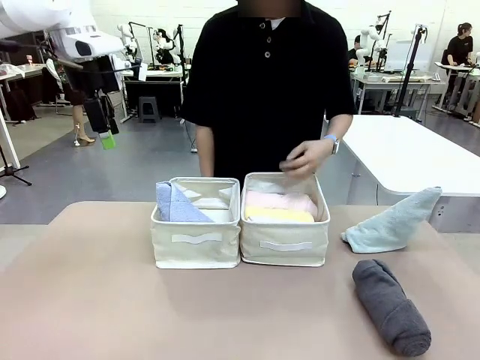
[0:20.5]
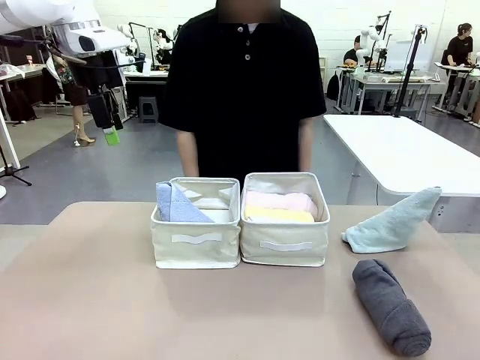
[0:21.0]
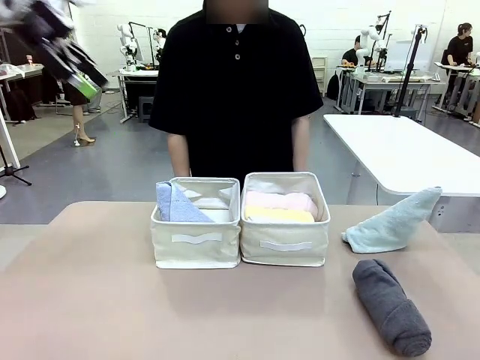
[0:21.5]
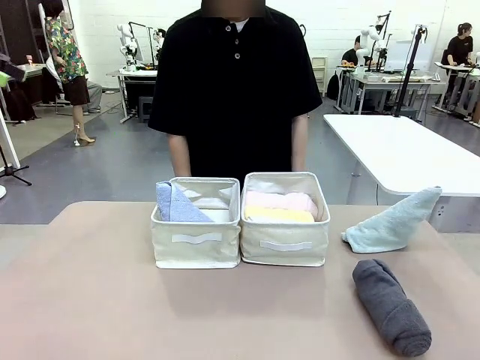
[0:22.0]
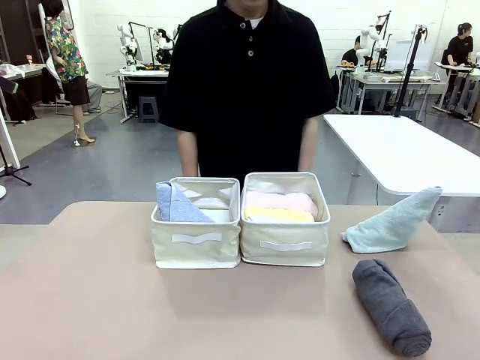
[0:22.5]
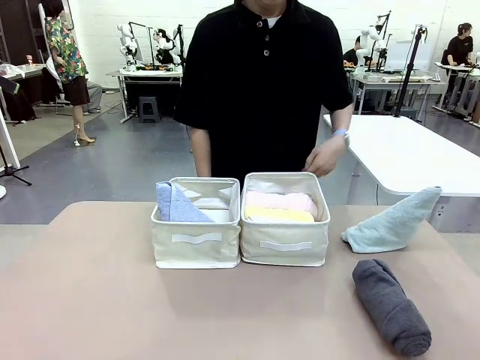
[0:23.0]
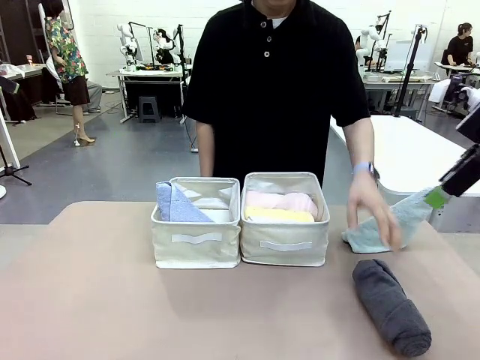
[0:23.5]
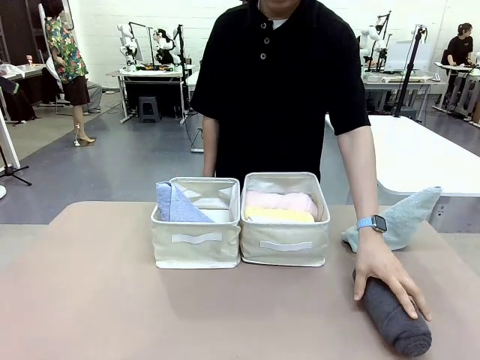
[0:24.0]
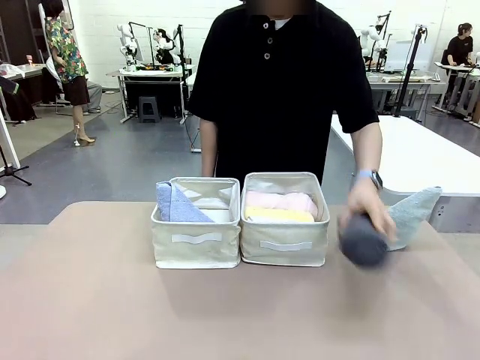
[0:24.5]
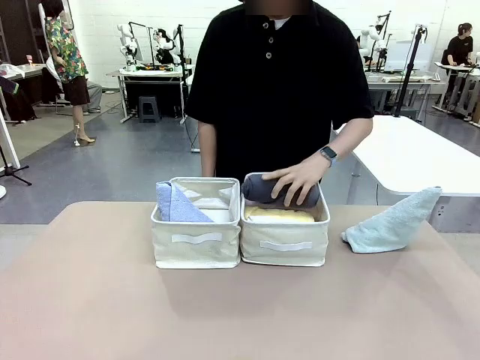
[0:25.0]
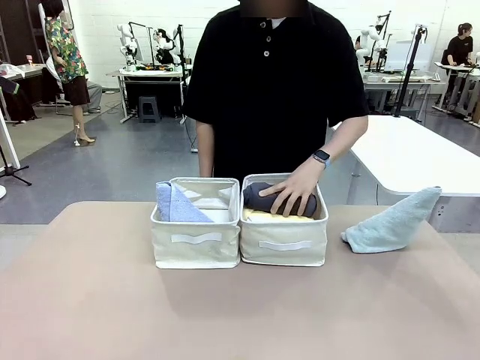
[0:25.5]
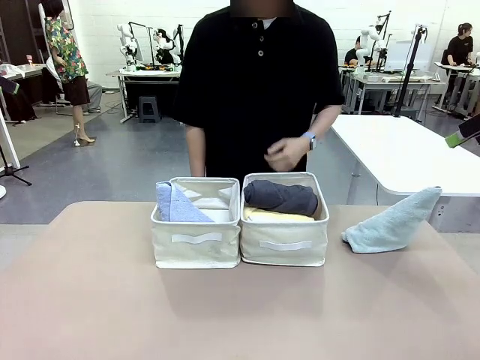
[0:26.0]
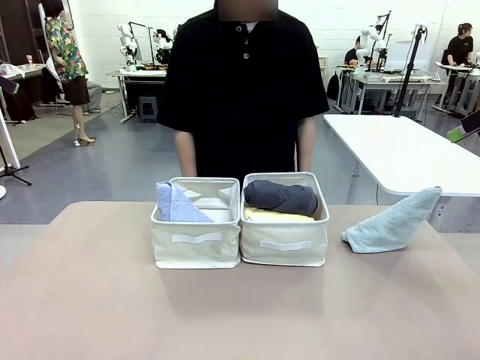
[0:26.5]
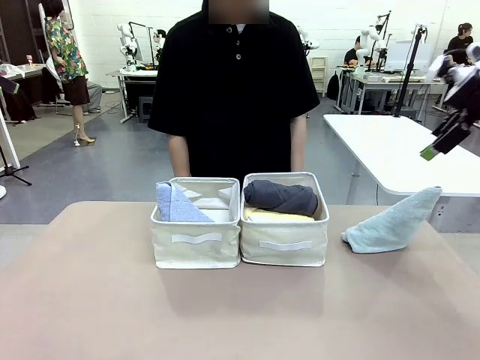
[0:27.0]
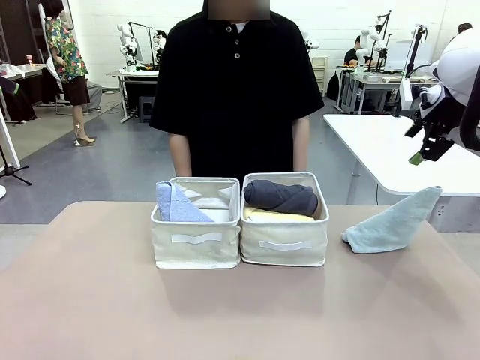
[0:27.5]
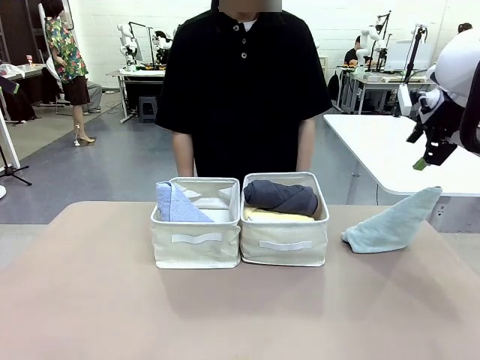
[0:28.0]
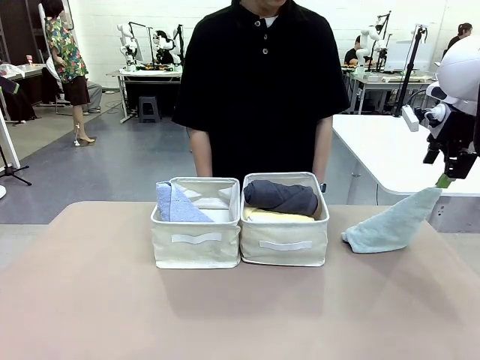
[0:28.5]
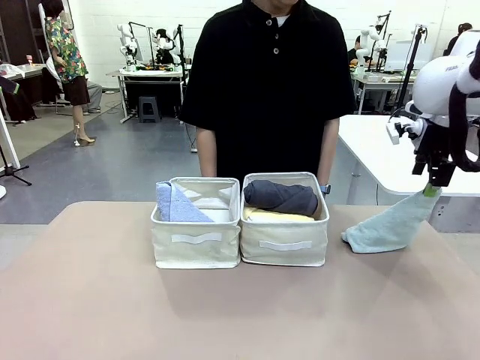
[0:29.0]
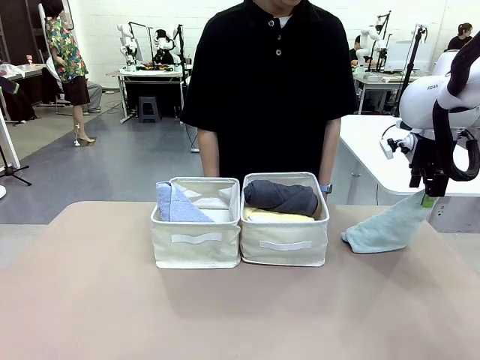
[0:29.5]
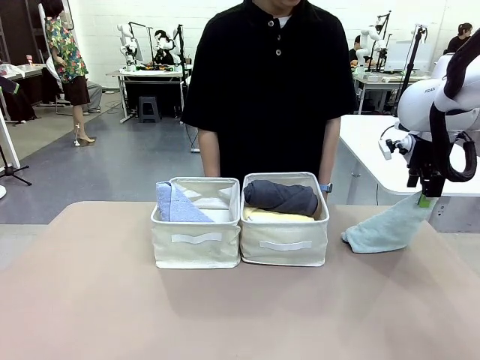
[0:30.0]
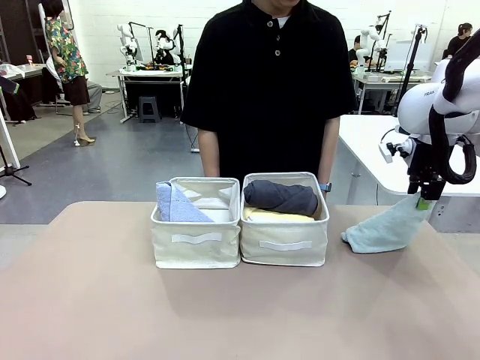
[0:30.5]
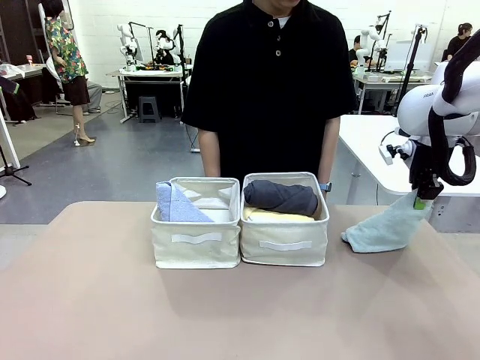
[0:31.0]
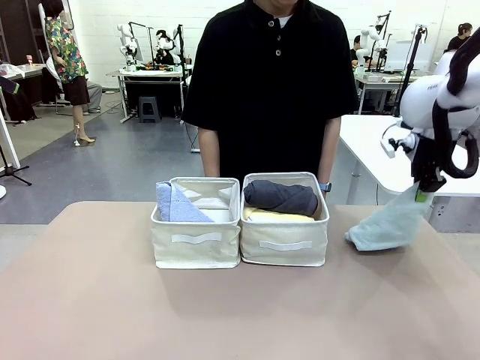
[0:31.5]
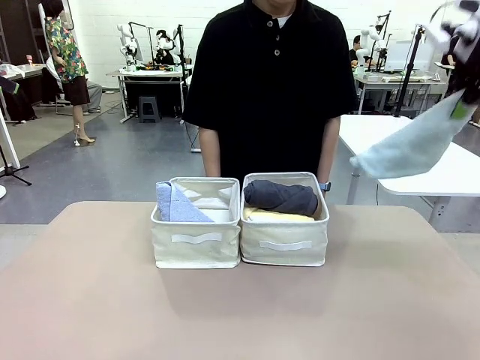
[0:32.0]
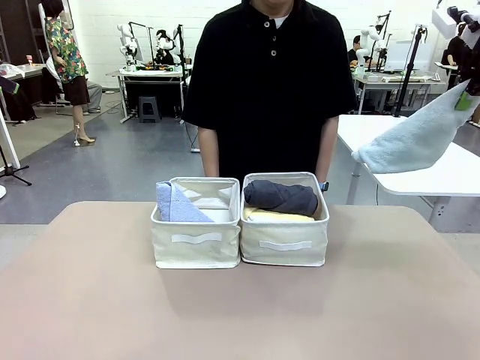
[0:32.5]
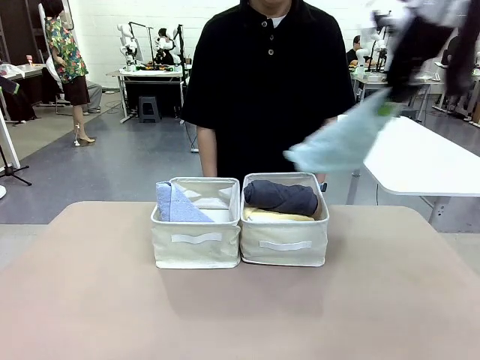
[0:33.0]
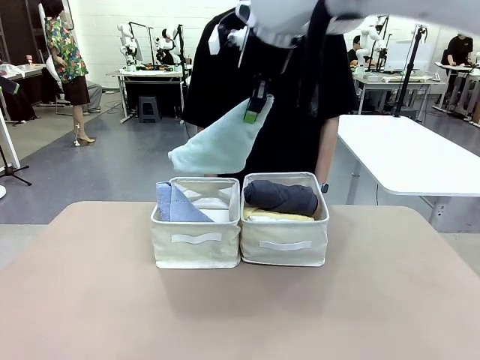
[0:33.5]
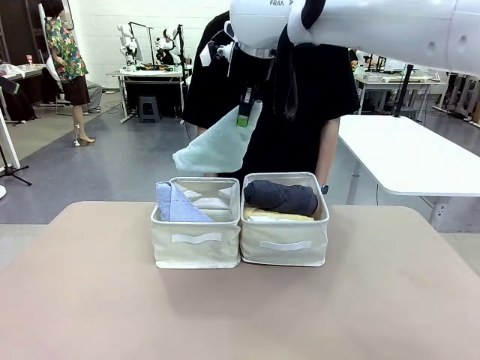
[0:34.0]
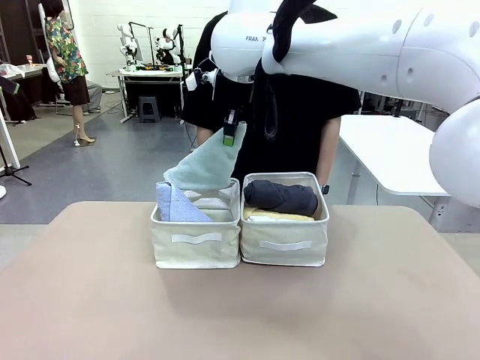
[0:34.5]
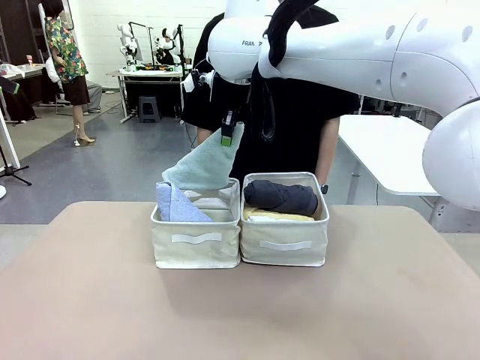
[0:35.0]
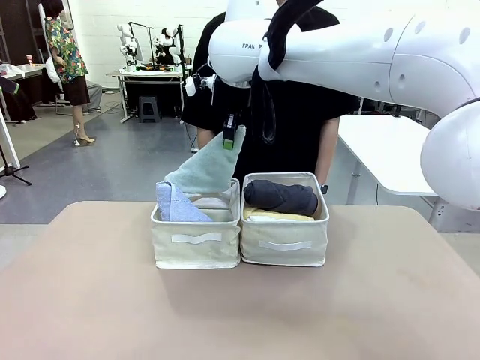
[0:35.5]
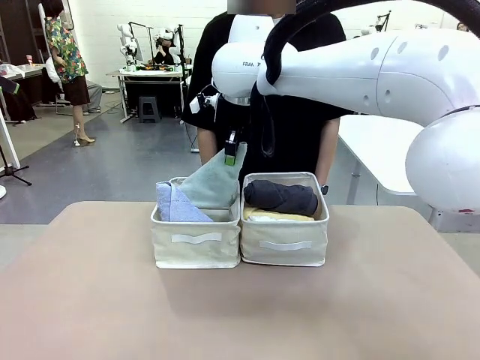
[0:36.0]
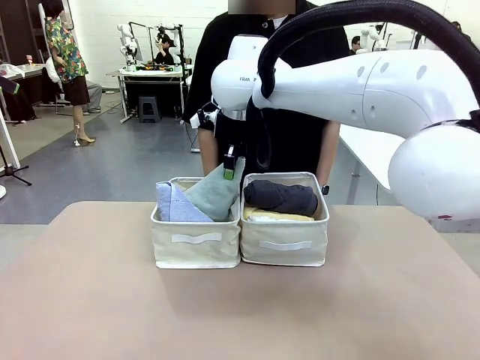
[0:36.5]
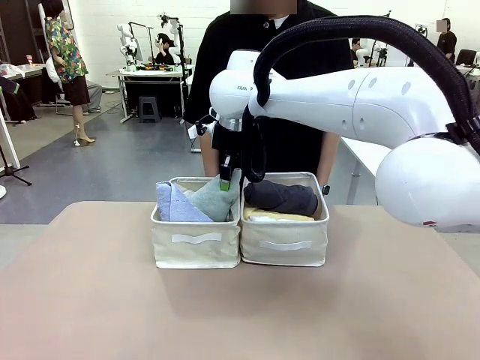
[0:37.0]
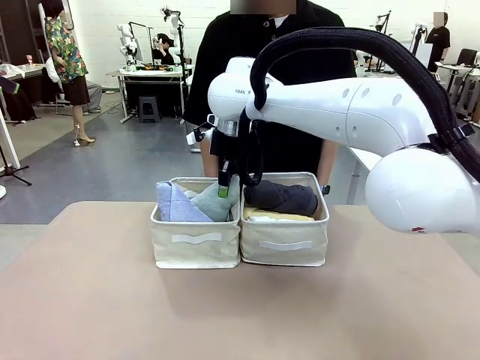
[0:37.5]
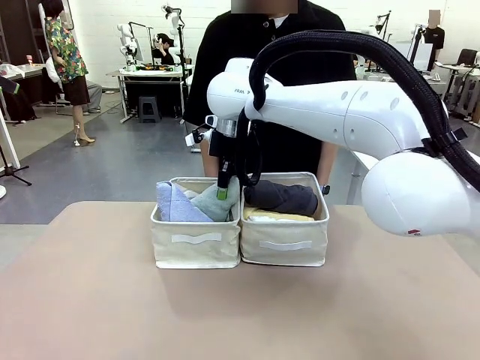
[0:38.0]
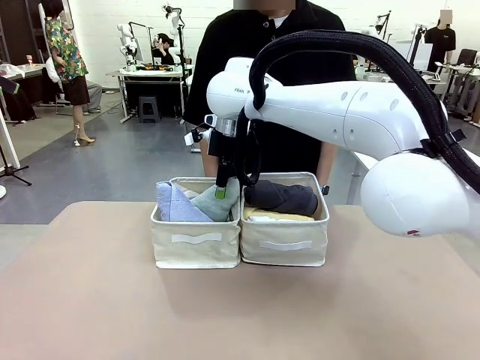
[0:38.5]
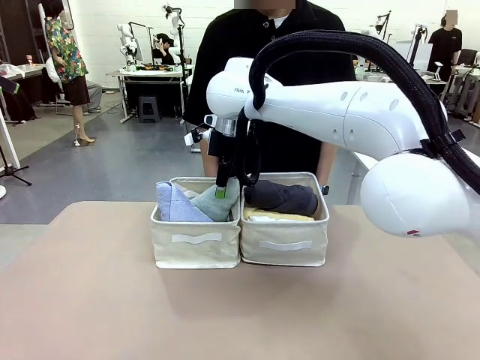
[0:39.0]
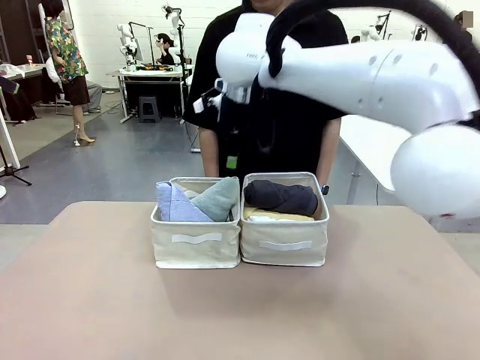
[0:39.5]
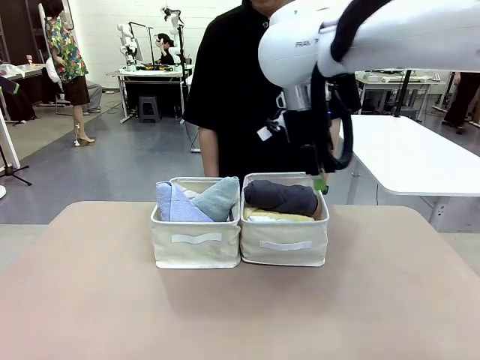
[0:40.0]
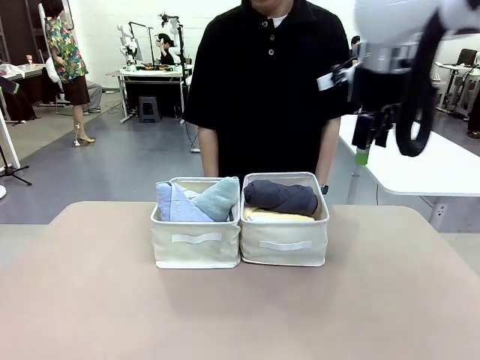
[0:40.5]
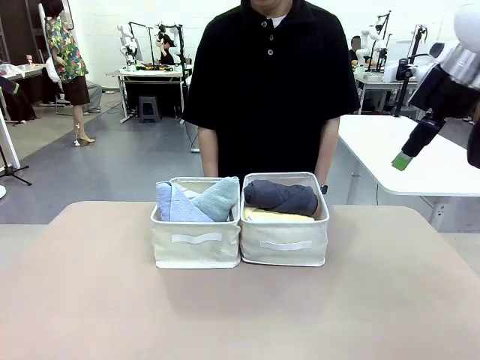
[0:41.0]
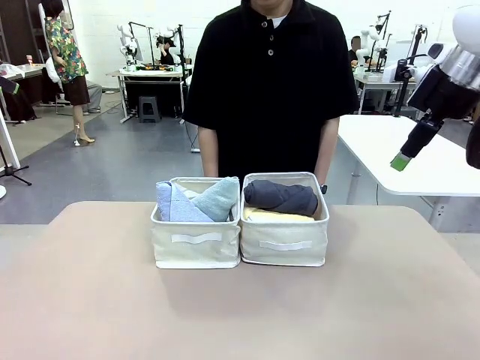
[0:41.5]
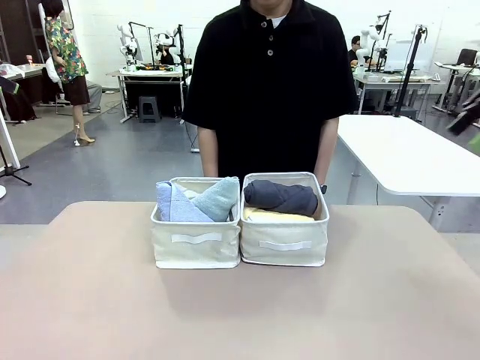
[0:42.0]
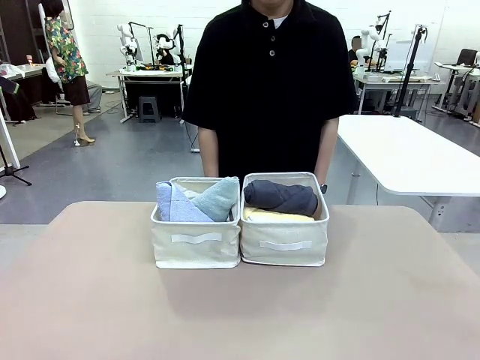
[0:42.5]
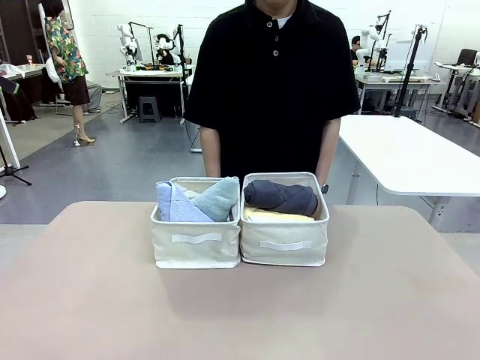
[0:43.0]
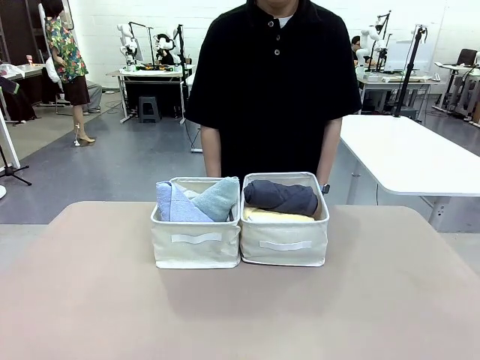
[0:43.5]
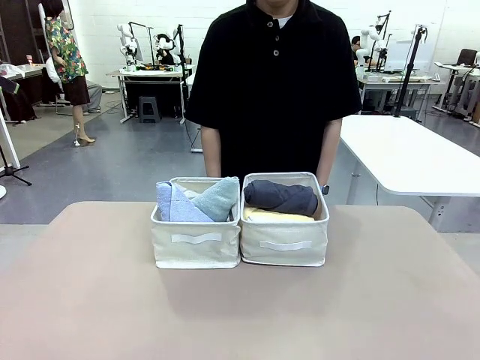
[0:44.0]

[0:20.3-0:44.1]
Task: Sort the towels based on their folding style.
Robot: Pick up another triangle-folded towel from the table and place it in the left Fabric basket.
Person: Pick up one hotel-style rolled towel from the table and place it in the left fabric basket.
